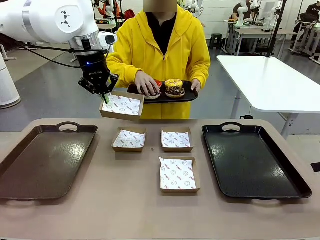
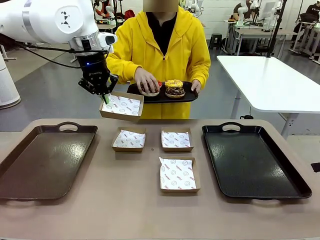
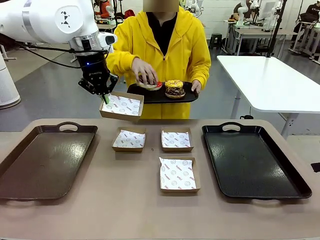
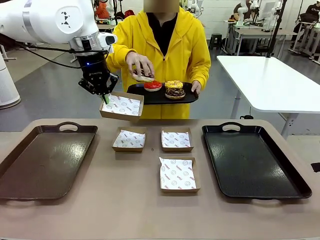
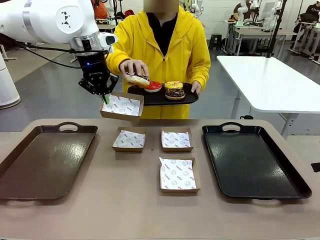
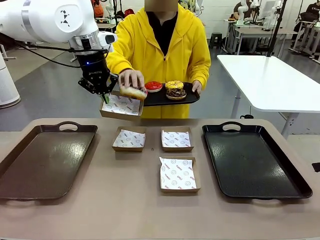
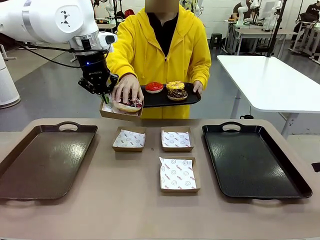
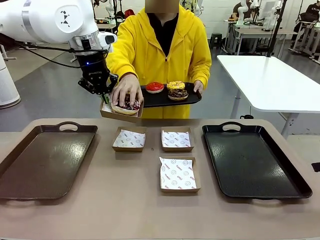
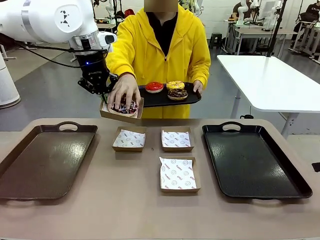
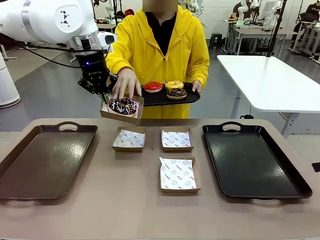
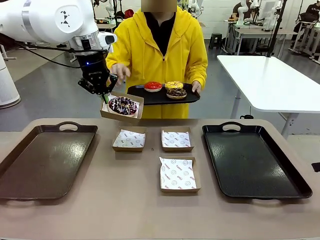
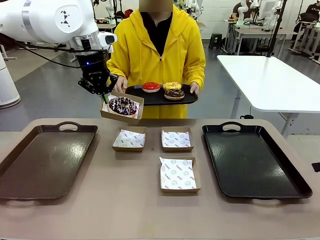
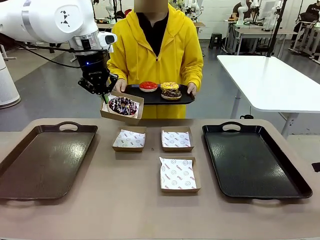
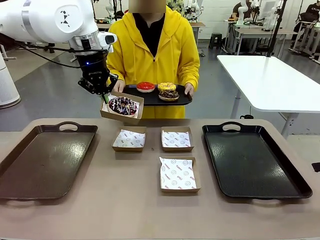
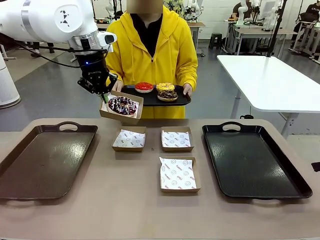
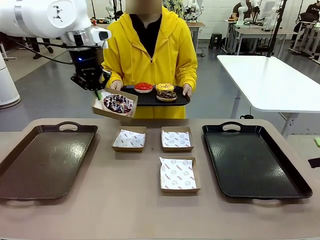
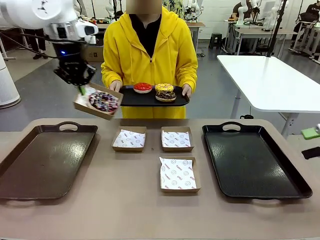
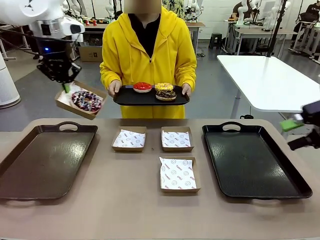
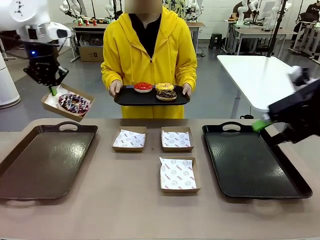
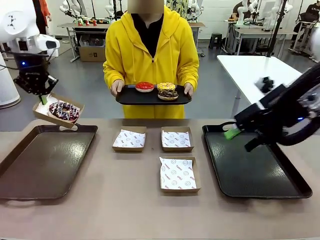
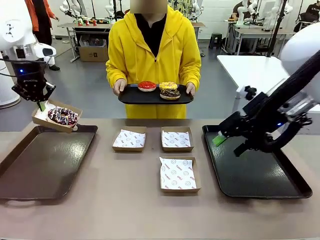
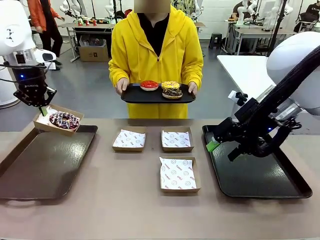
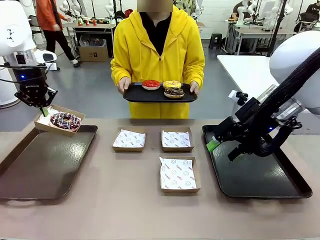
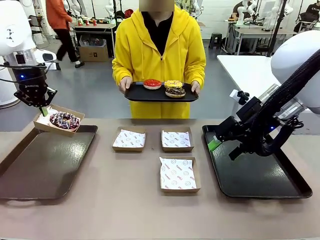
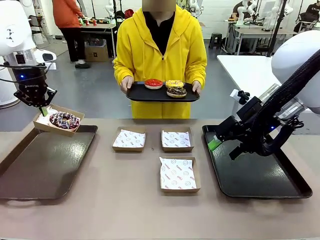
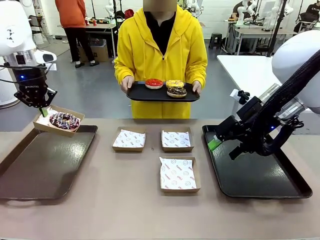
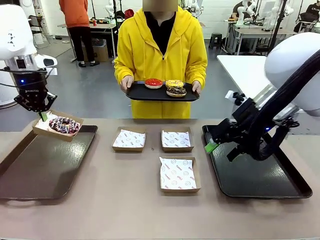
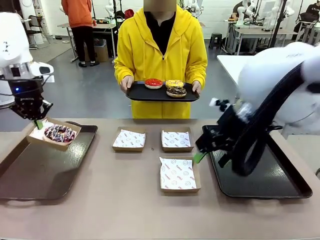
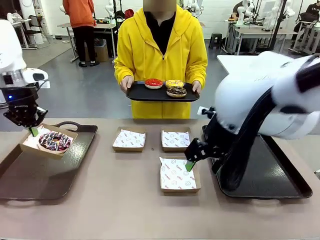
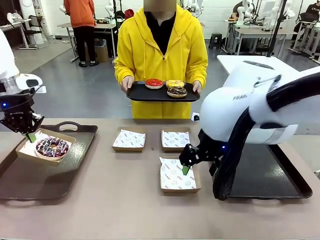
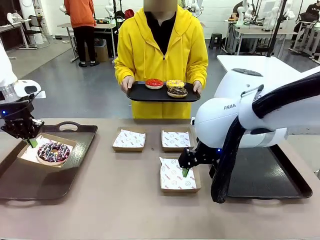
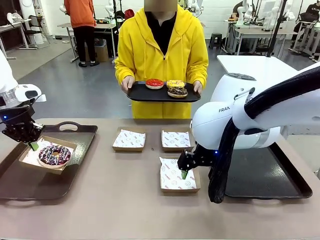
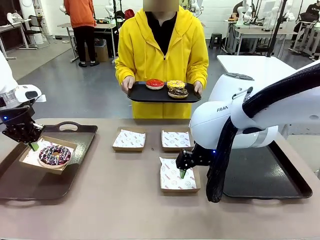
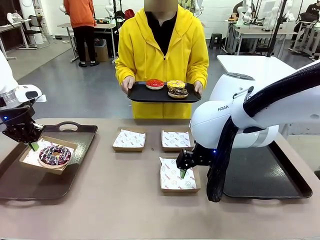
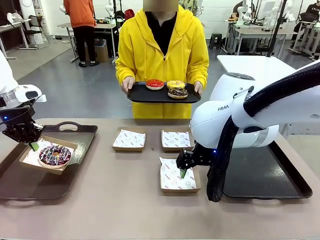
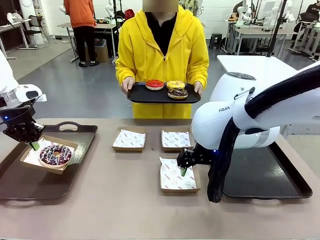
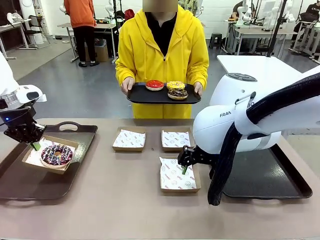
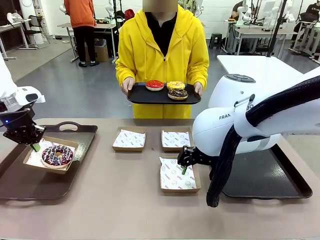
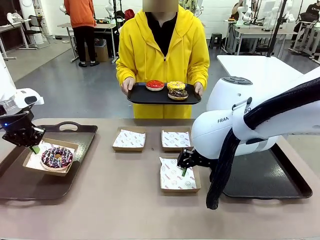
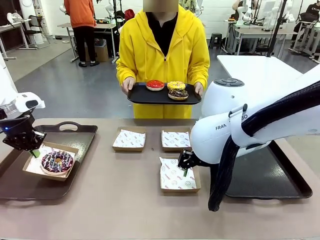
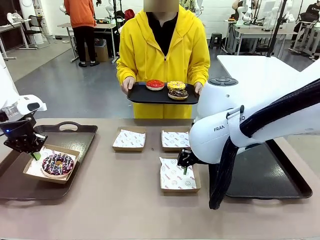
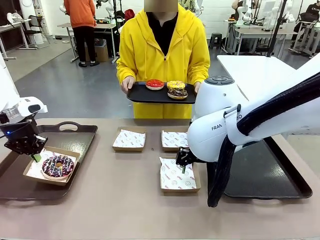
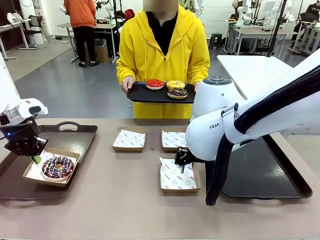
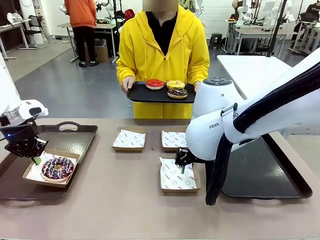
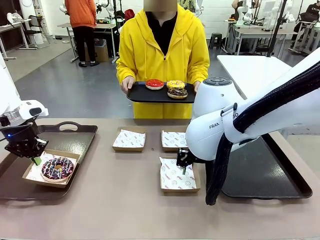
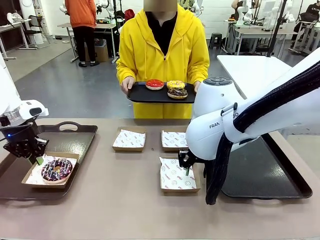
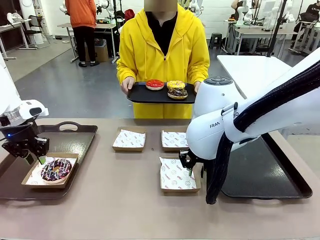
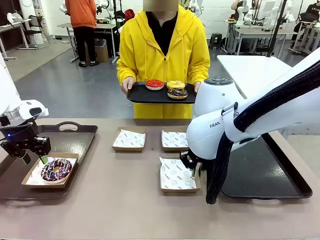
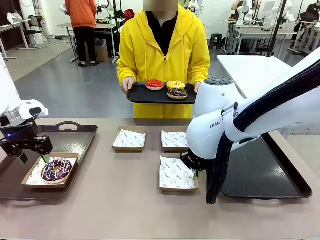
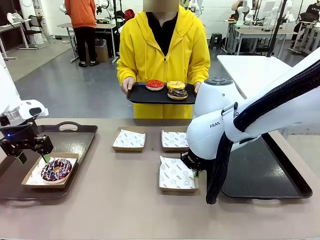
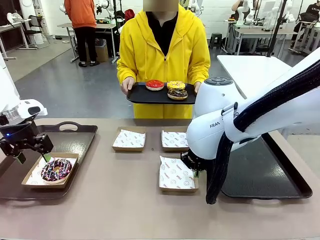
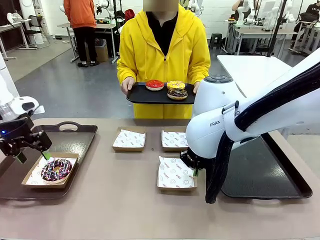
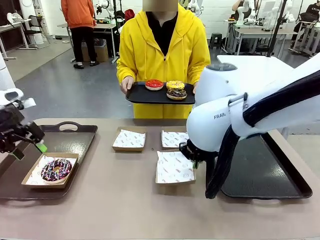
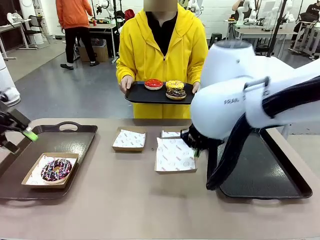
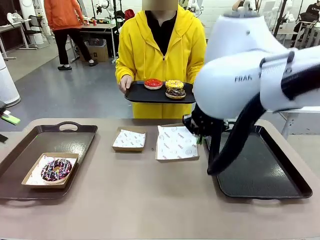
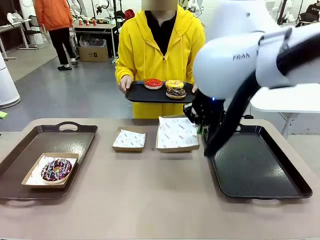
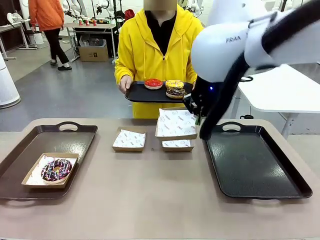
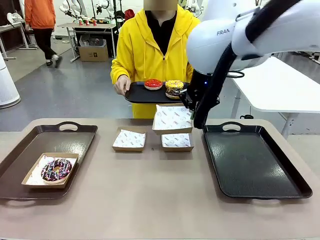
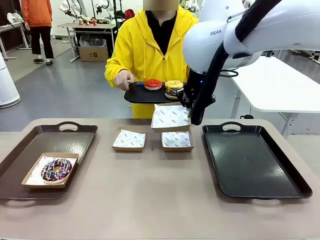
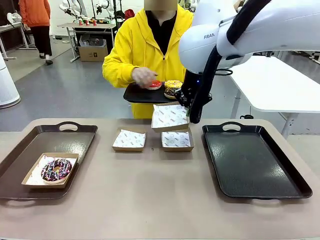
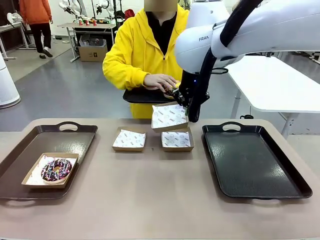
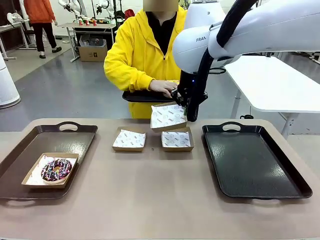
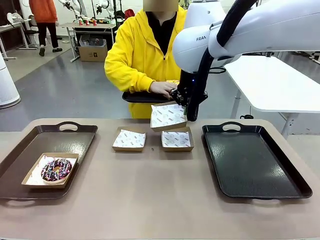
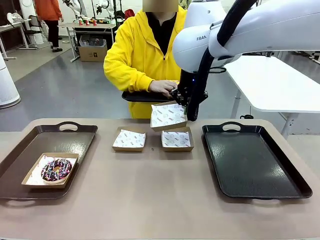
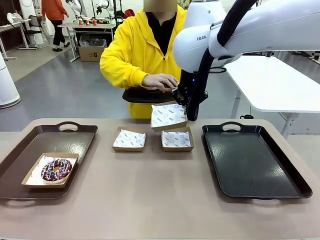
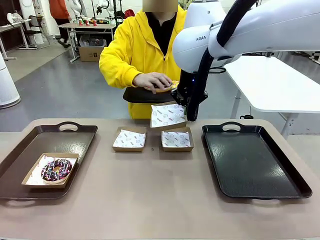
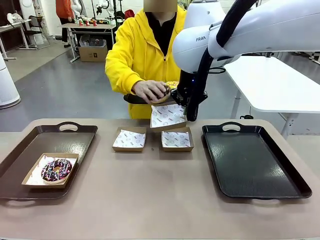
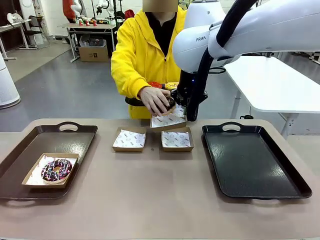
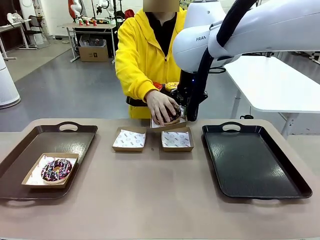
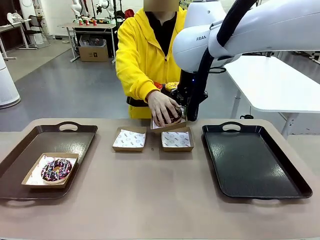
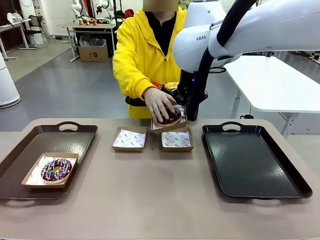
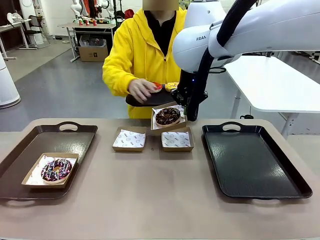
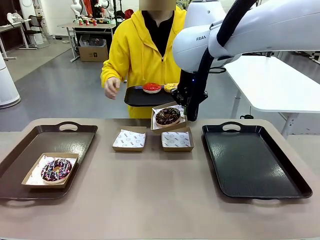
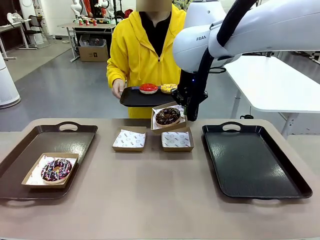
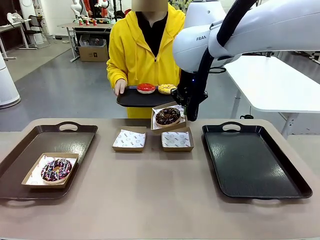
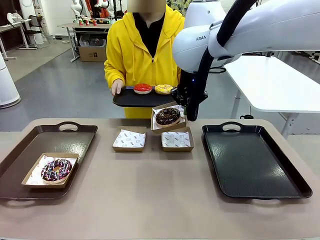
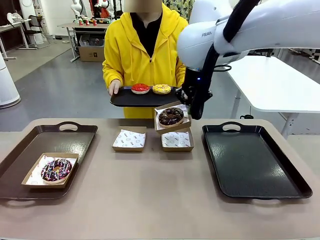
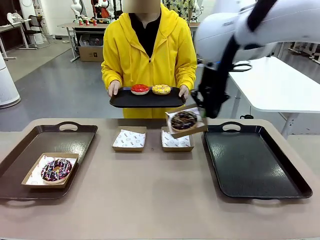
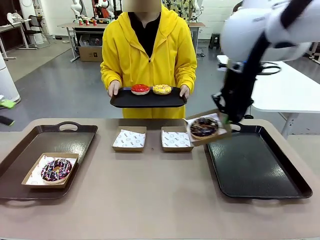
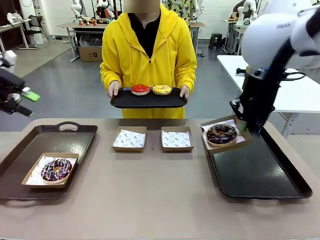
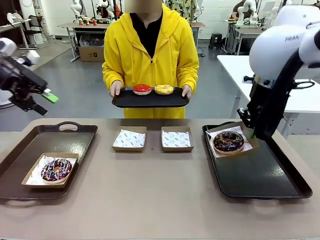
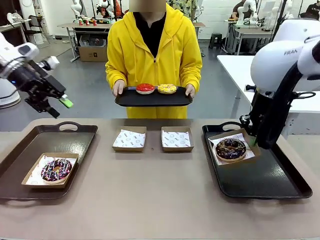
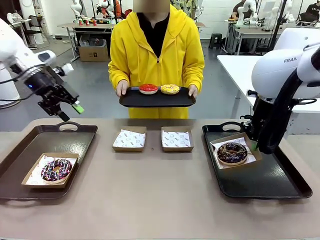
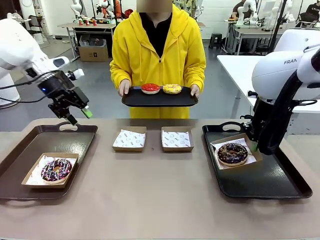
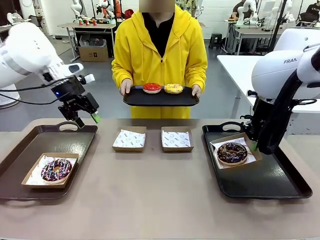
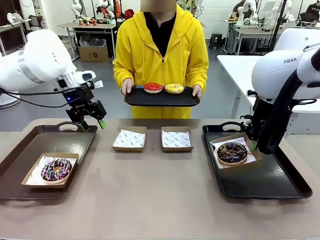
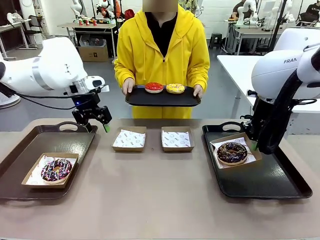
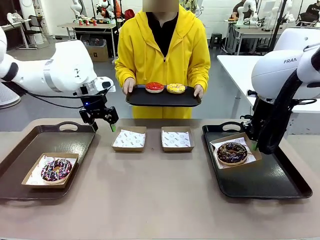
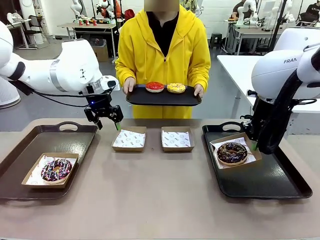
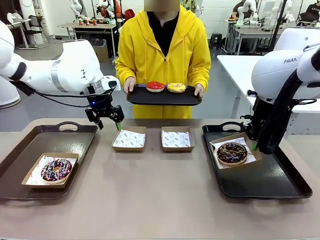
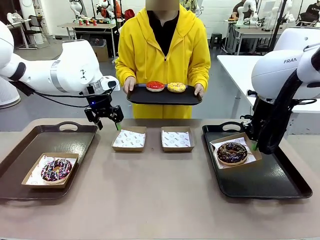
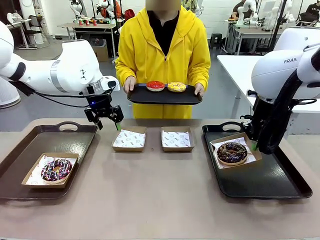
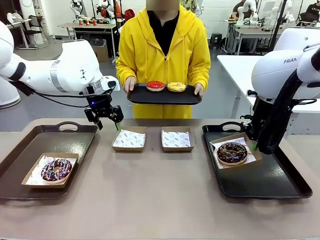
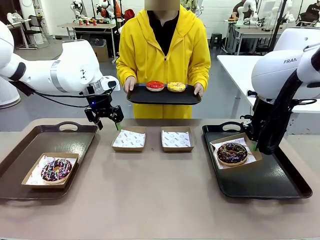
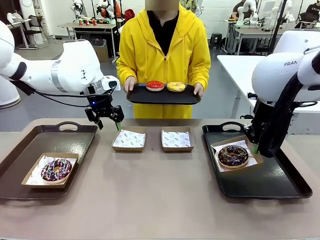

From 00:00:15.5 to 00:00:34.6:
Task: Individually package the donuts and arrange them on the tray.
Robot: Place the picked Paper togo box on the Handle tray while simultaneously picking up another Paper togo box from the table with the other hand.
